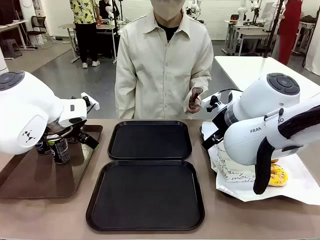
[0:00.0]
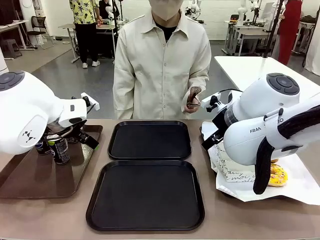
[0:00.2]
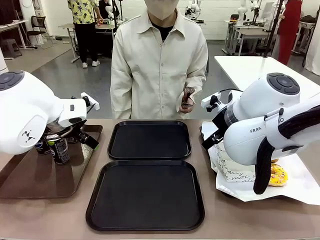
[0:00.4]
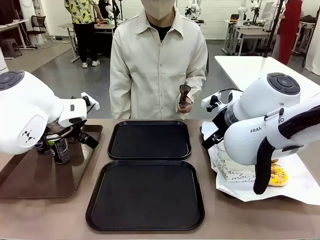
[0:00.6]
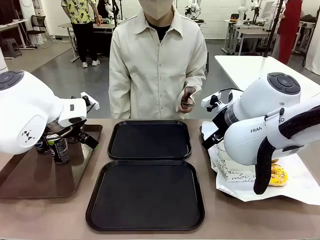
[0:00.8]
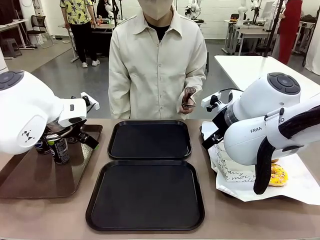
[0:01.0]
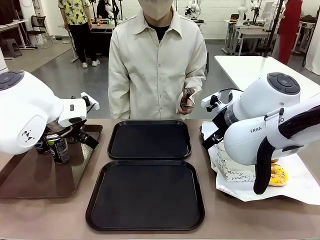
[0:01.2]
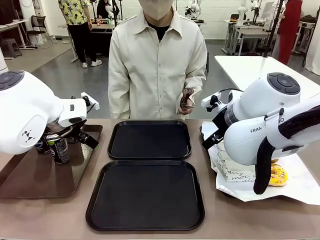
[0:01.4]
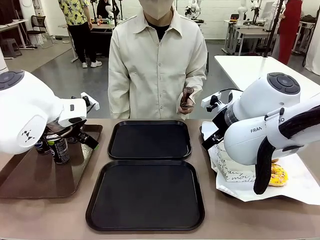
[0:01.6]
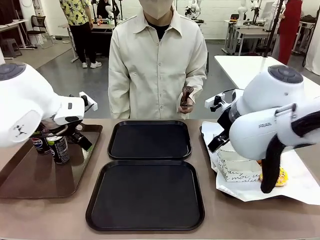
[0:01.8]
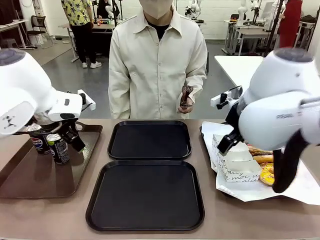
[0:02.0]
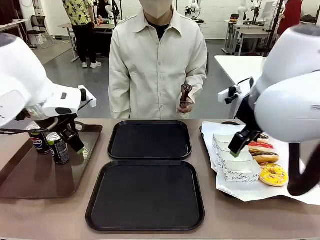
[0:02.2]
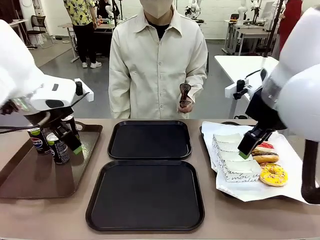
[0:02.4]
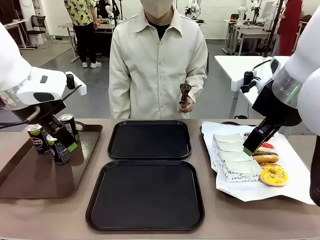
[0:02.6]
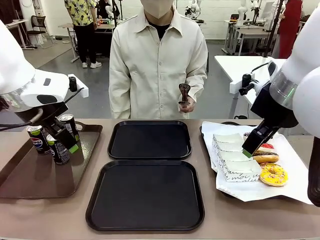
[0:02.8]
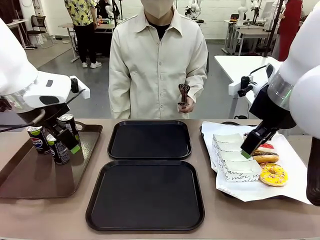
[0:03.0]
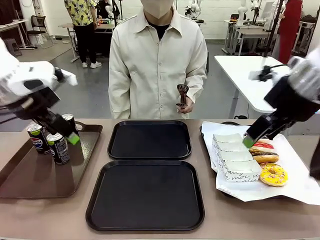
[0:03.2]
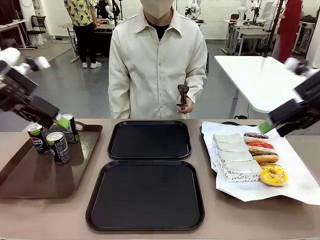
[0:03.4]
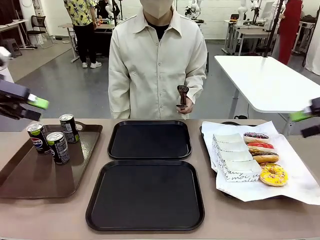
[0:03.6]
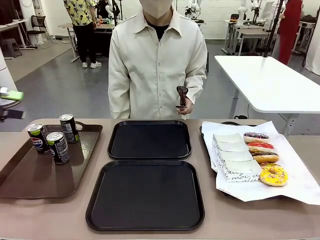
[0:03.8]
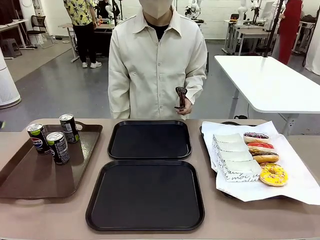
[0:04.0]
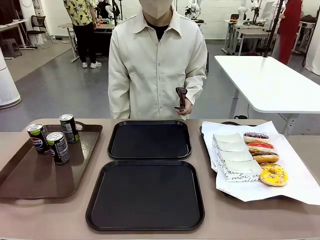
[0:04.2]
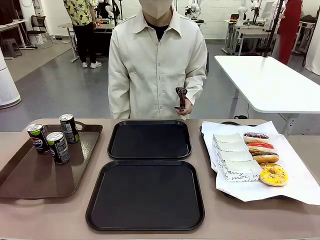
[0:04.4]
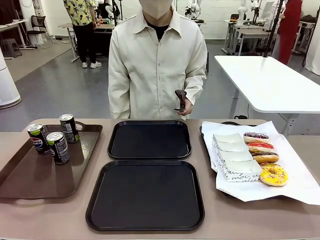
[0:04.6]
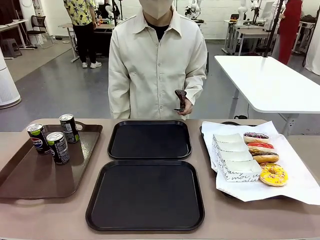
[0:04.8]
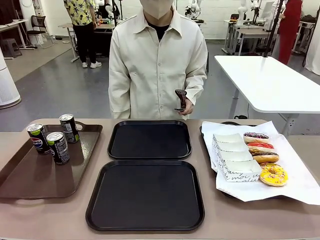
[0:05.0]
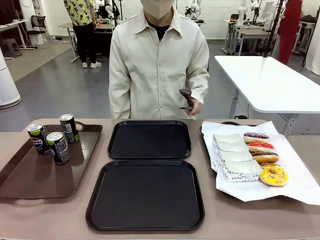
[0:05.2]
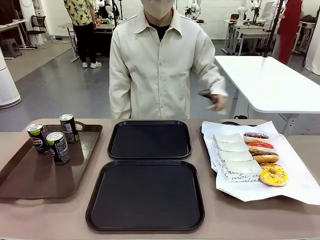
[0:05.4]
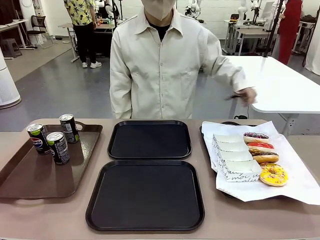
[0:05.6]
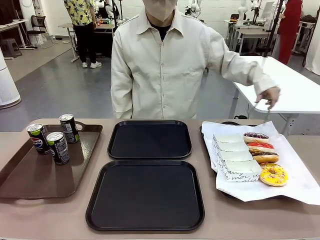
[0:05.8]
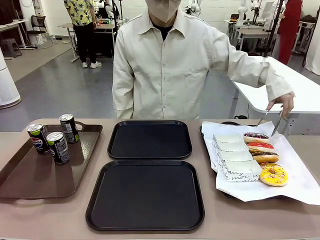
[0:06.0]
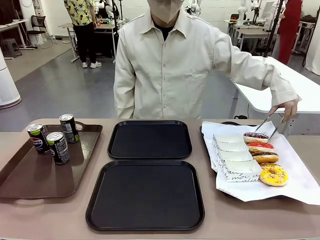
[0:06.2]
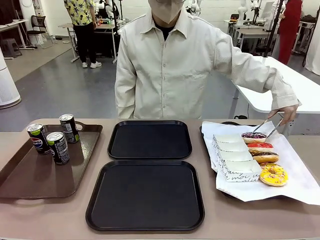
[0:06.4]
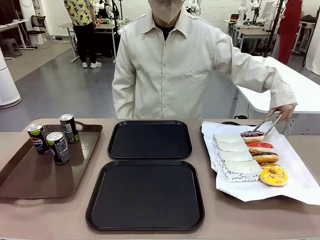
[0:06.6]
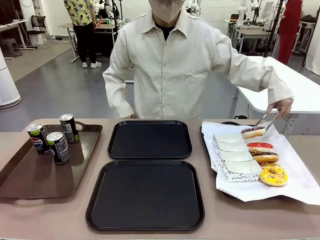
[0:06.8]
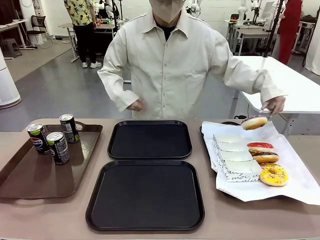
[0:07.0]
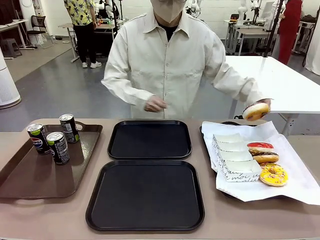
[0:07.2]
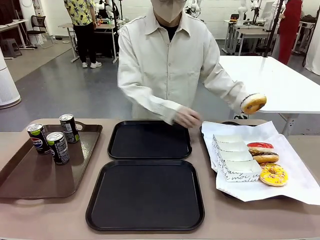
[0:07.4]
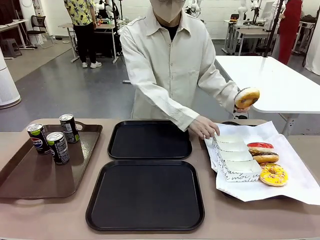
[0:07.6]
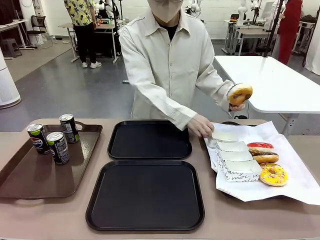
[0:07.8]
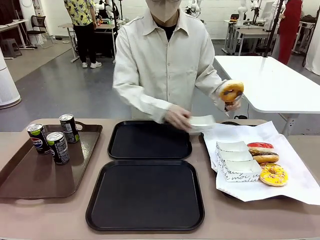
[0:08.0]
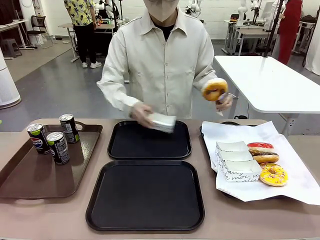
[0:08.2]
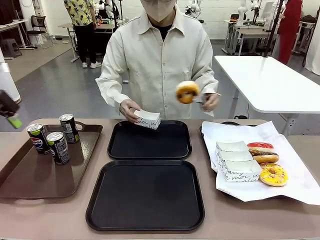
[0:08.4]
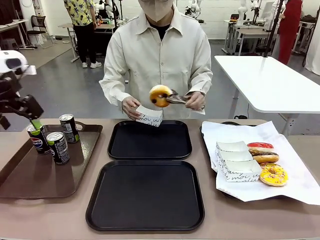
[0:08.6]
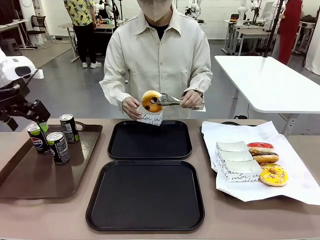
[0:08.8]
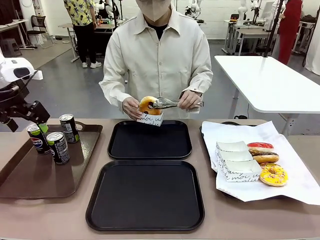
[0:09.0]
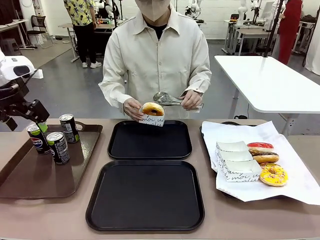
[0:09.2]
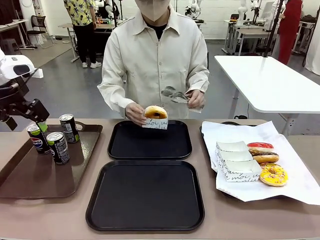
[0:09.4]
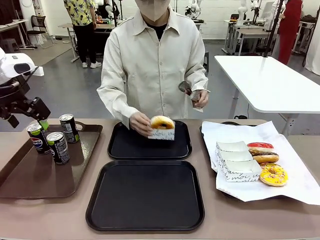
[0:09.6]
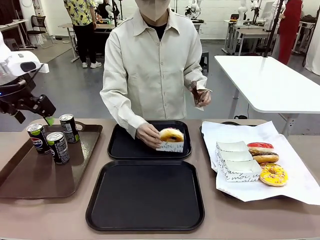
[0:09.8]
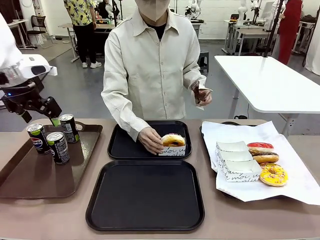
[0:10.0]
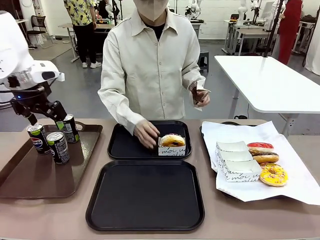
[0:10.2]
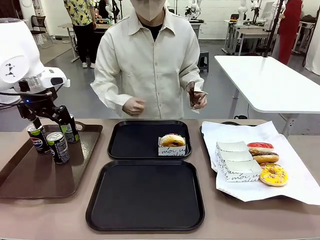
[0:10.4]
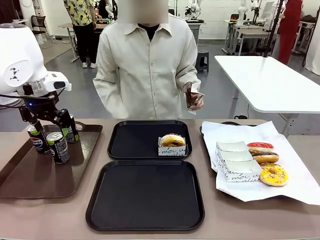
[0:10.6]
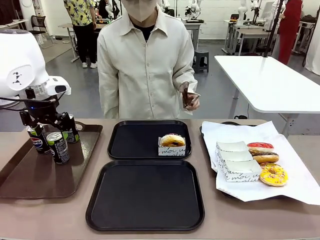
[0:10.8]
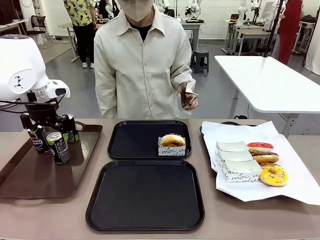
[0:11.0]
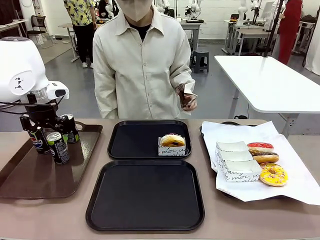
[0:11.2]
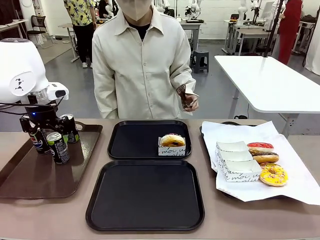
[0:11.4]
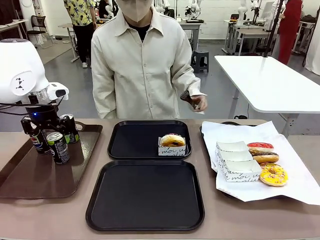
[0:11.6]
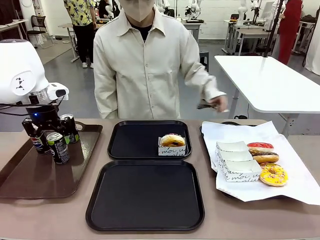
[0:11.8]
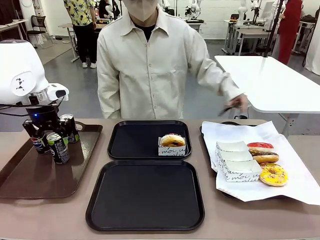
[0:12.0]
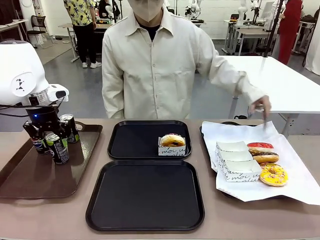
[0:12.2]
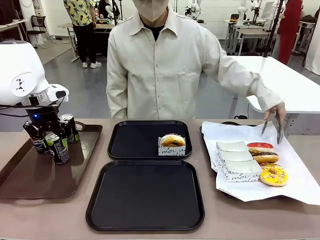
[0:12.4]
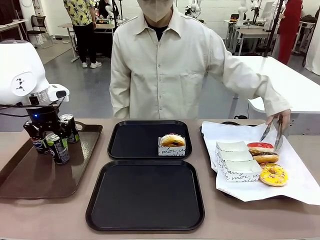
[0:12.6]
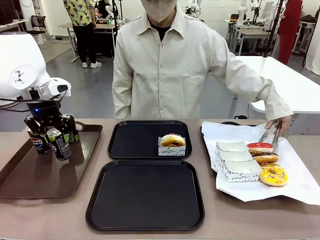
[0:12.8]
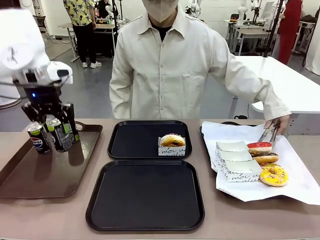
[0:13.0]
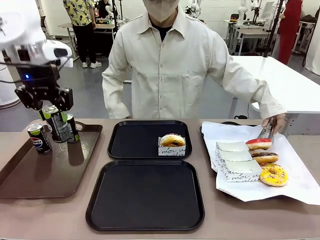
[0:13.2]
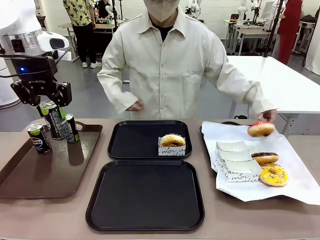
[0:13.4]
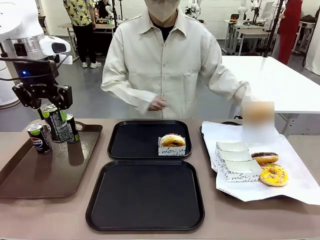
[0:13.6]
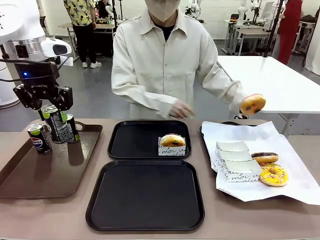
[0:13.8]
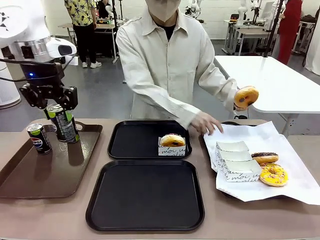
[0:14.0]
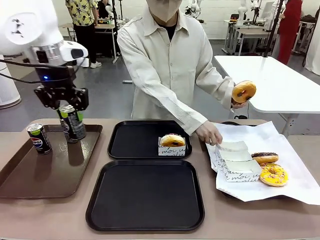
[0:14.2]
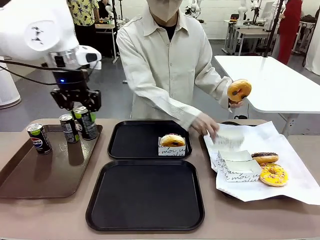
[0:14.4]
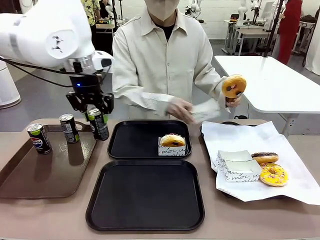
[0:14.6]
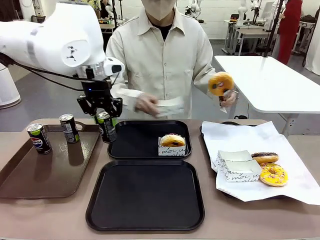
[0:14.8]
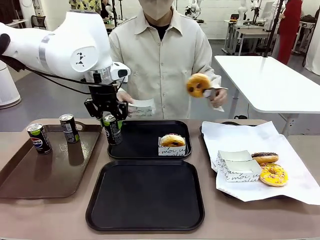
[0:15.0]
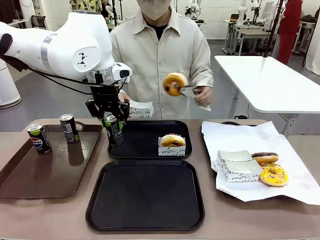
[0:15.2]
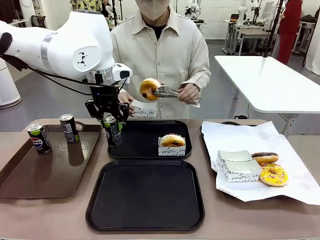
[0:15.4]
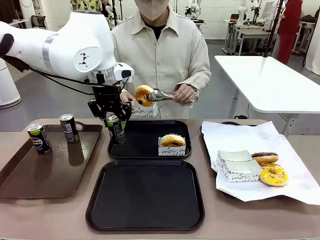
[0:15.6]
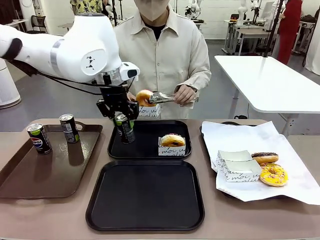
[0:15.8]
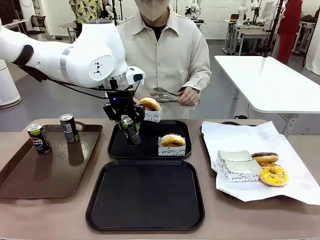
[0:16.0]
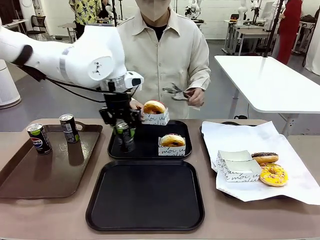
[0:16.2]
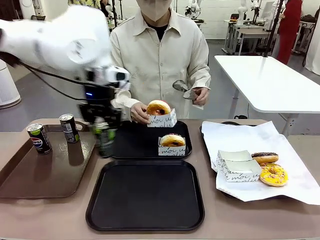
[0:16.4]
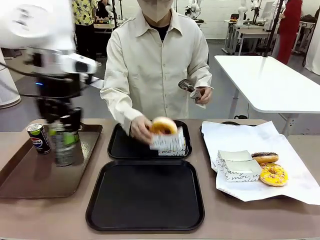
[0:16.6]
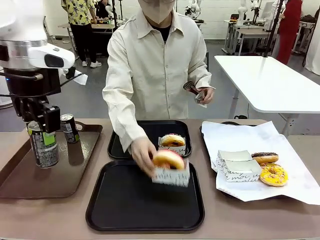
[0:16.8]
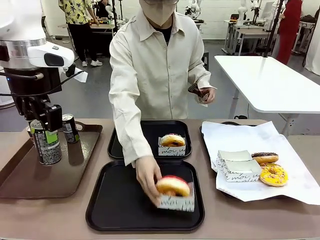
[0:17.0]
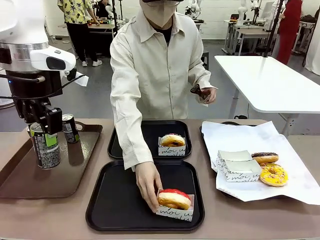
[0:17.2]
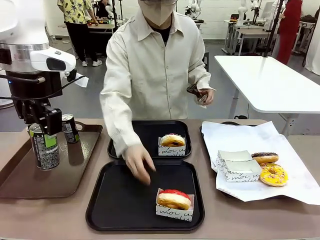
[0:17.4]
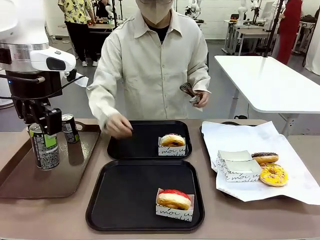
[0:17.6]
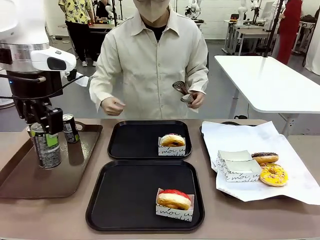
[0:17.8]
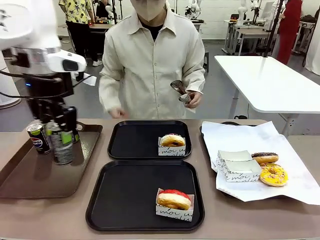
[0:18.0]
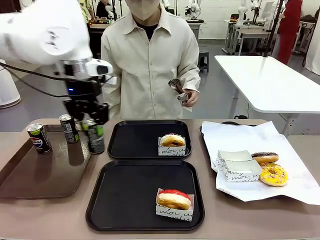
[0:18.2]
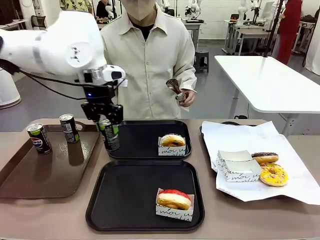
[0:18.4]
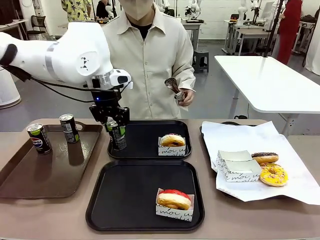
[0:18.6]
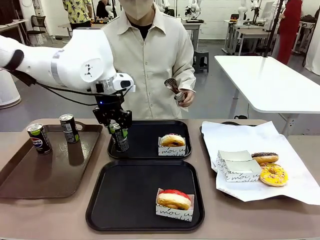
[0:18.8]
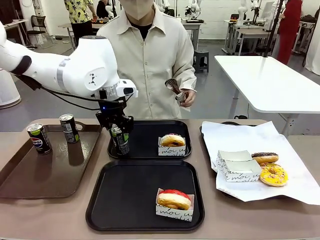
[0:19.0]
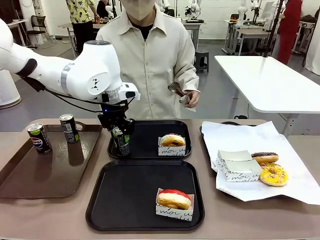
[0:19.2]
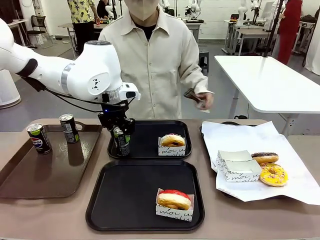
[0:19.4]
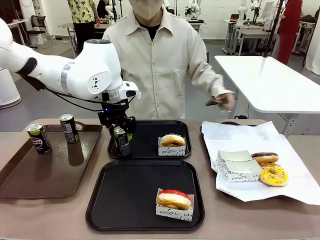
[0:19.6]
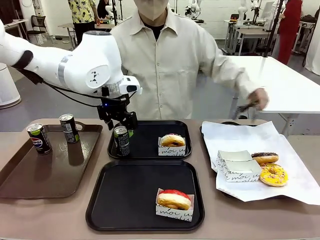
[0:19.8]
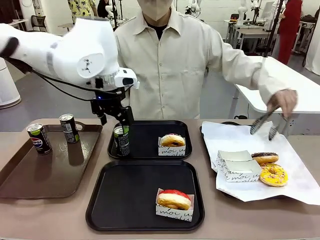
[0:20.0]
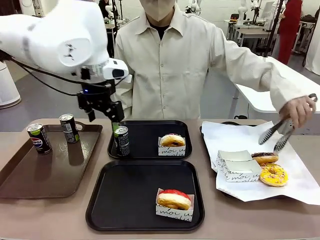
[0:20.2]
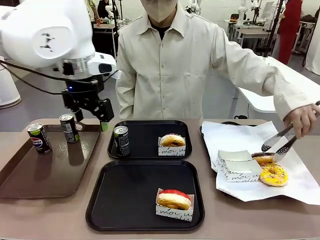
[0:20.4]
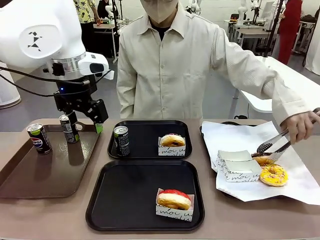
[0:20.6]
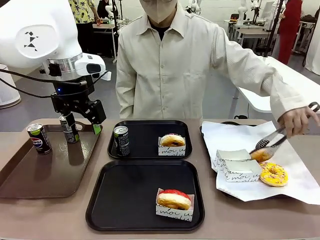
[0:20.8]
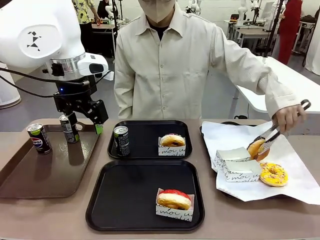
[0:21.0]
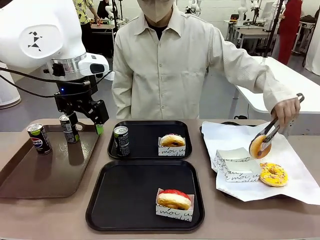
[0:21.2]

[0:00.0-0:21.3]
Task: Set up donuts and drinks on trays.
Robot: Pick up one Pepsi coke and place it on the Flat Tray.
Person: Pick up one donut with tongs, place it in the donut tray, and then place the donut tray on the flat tray.
